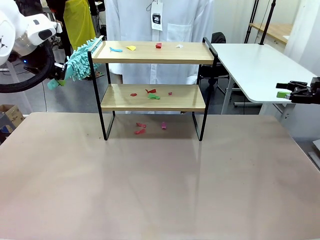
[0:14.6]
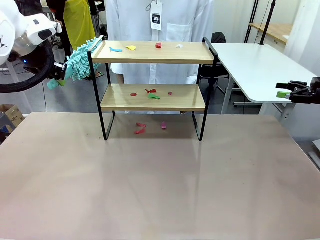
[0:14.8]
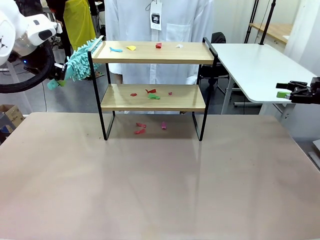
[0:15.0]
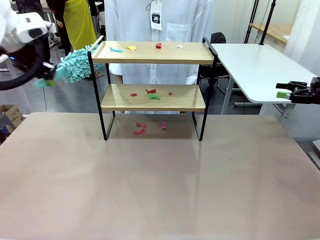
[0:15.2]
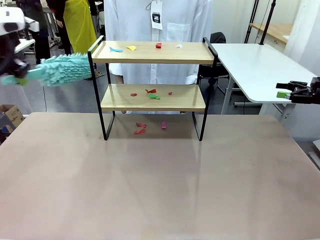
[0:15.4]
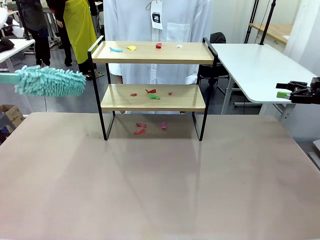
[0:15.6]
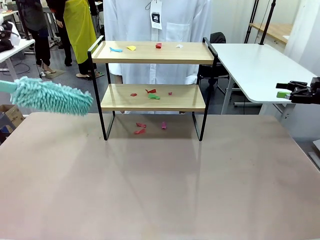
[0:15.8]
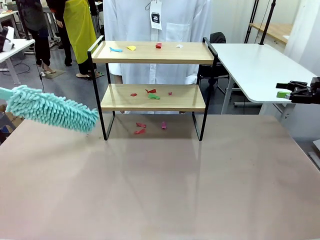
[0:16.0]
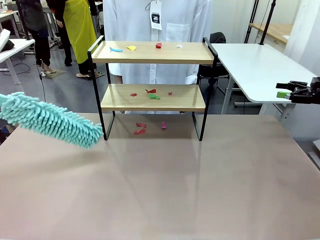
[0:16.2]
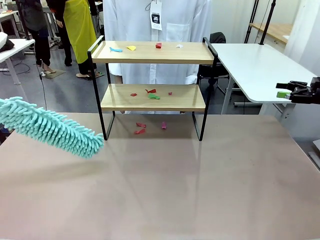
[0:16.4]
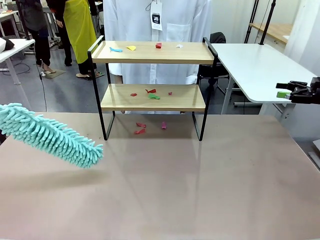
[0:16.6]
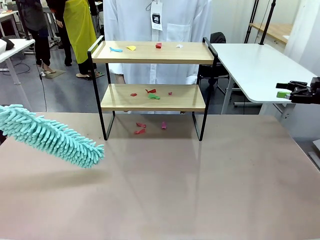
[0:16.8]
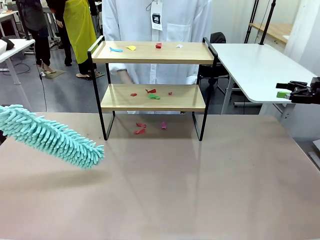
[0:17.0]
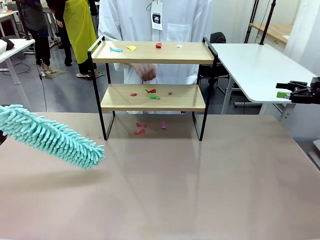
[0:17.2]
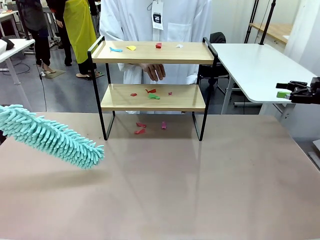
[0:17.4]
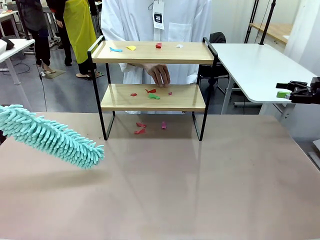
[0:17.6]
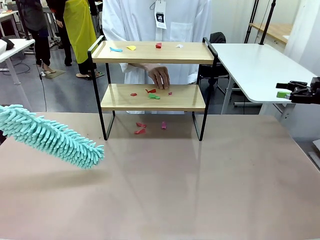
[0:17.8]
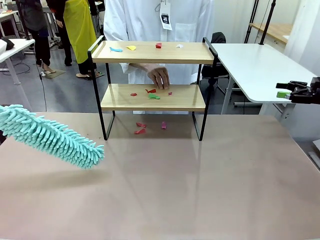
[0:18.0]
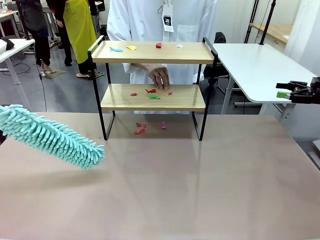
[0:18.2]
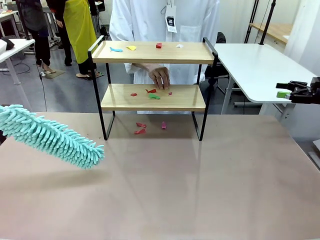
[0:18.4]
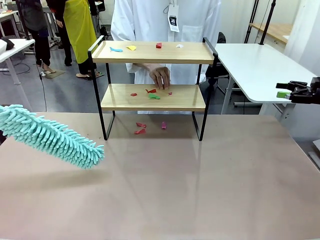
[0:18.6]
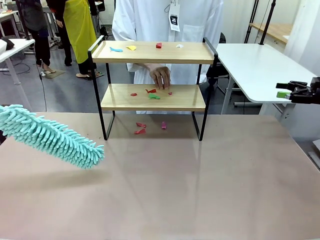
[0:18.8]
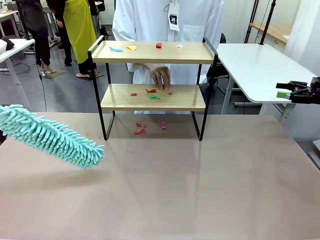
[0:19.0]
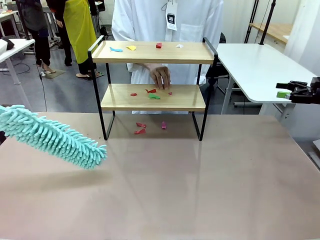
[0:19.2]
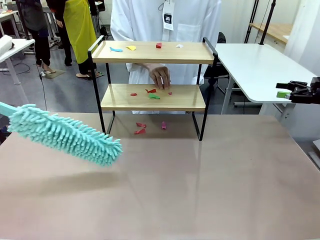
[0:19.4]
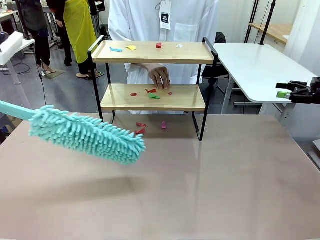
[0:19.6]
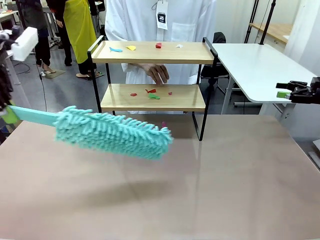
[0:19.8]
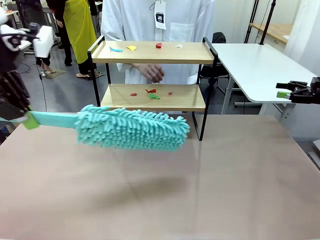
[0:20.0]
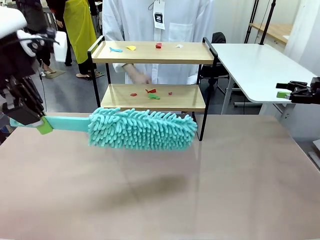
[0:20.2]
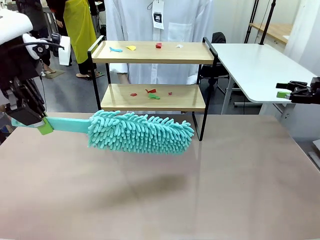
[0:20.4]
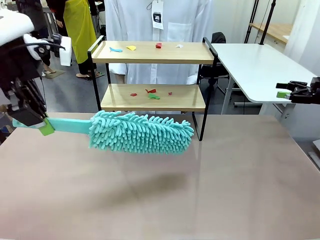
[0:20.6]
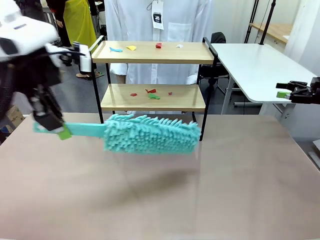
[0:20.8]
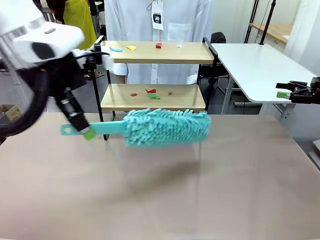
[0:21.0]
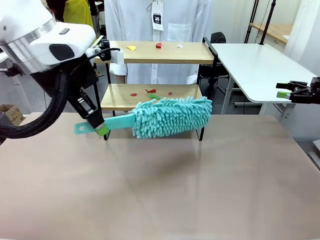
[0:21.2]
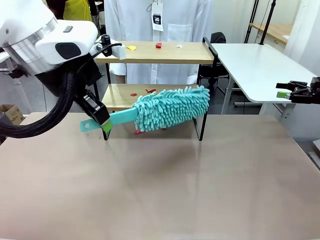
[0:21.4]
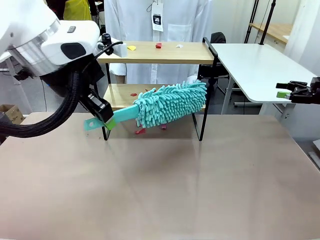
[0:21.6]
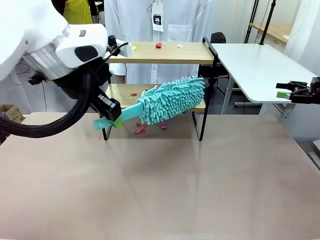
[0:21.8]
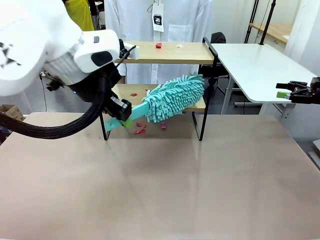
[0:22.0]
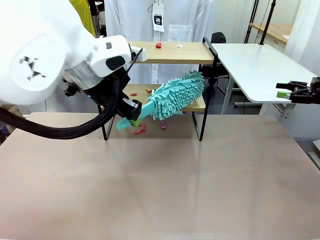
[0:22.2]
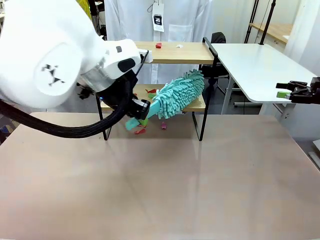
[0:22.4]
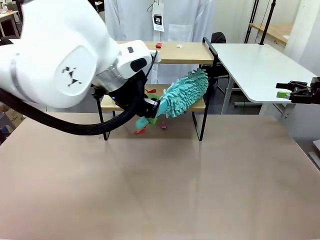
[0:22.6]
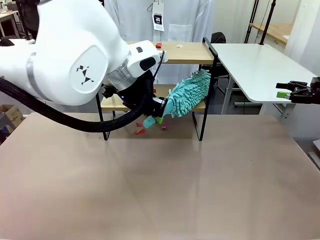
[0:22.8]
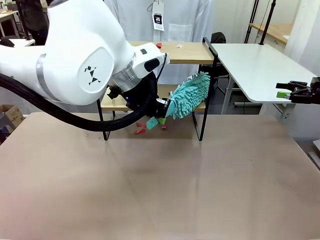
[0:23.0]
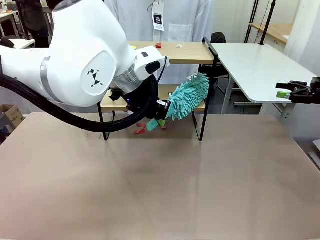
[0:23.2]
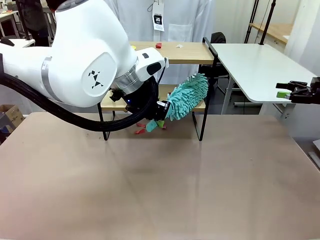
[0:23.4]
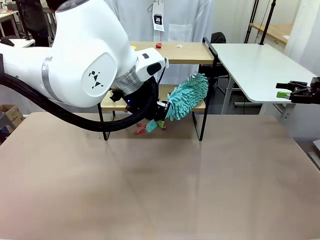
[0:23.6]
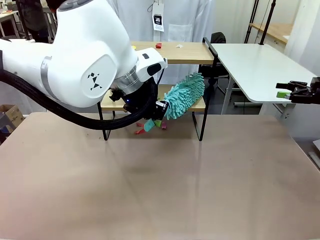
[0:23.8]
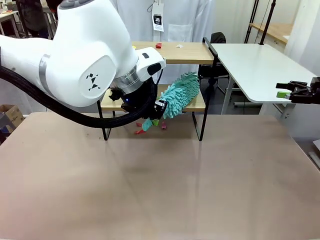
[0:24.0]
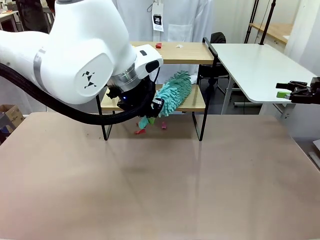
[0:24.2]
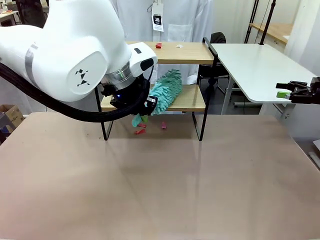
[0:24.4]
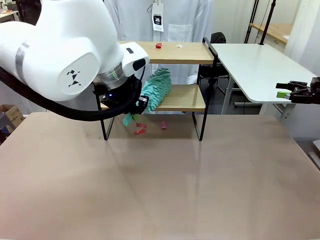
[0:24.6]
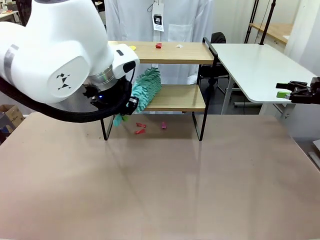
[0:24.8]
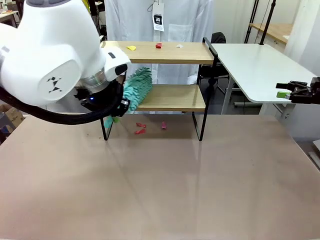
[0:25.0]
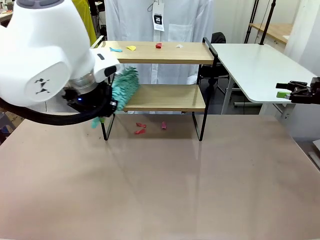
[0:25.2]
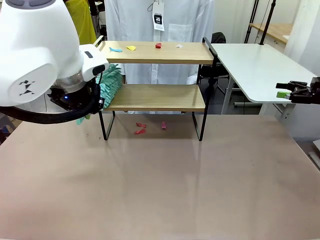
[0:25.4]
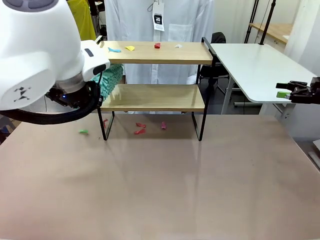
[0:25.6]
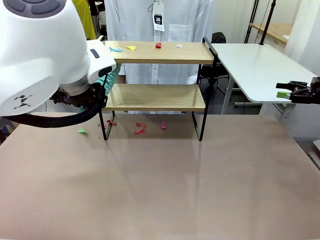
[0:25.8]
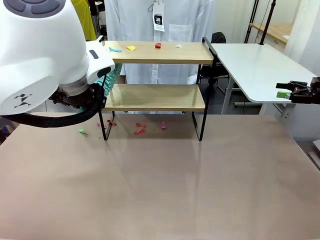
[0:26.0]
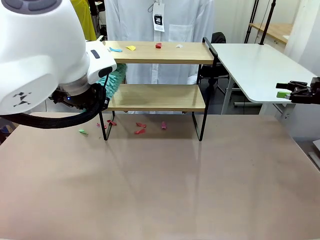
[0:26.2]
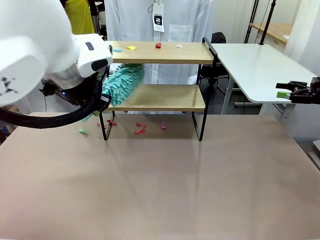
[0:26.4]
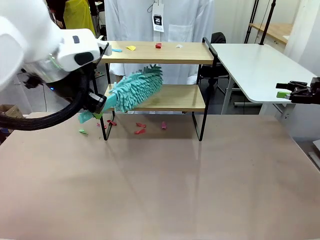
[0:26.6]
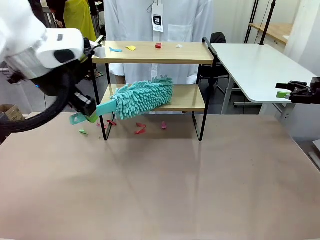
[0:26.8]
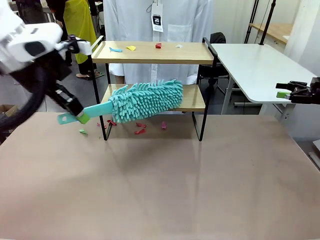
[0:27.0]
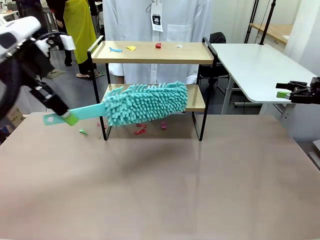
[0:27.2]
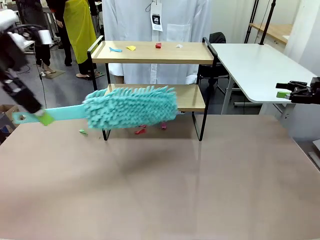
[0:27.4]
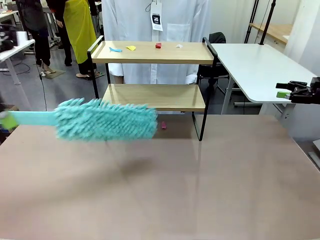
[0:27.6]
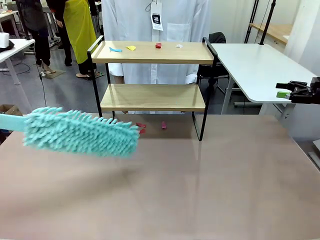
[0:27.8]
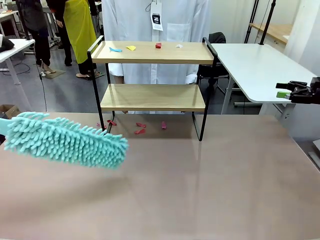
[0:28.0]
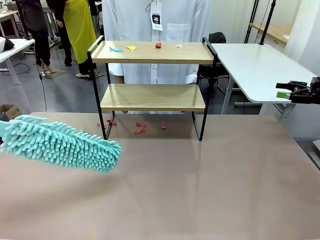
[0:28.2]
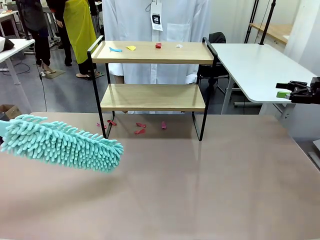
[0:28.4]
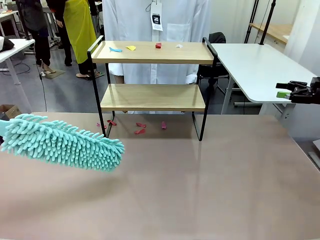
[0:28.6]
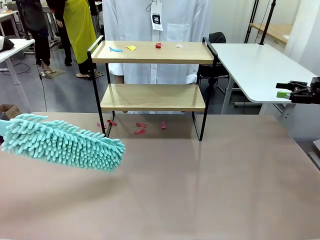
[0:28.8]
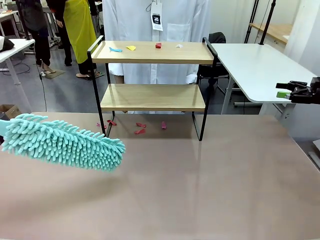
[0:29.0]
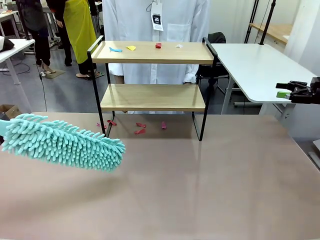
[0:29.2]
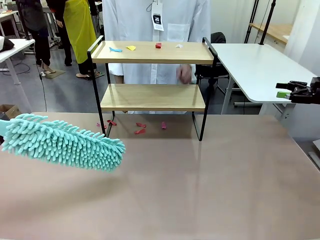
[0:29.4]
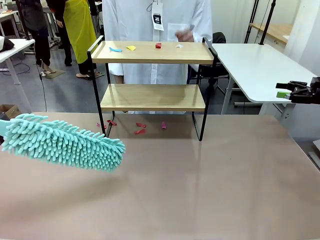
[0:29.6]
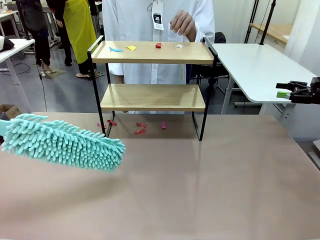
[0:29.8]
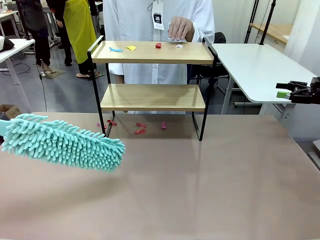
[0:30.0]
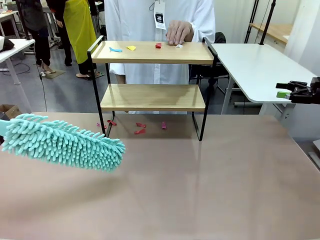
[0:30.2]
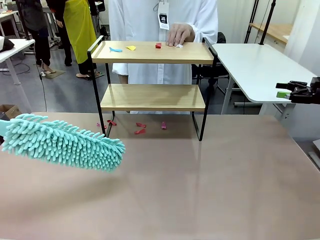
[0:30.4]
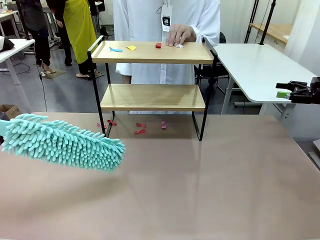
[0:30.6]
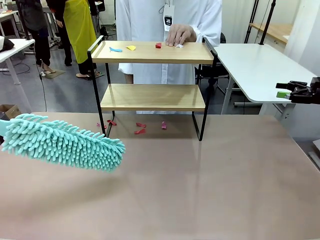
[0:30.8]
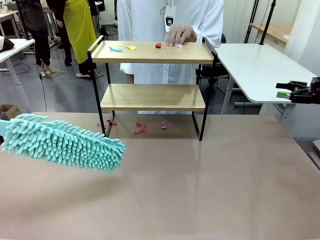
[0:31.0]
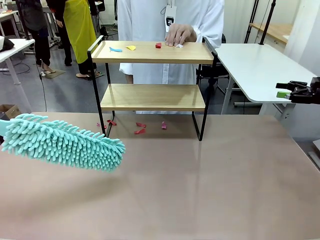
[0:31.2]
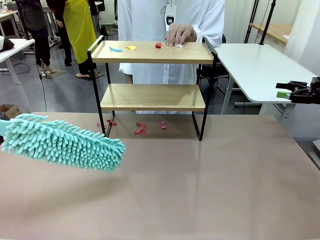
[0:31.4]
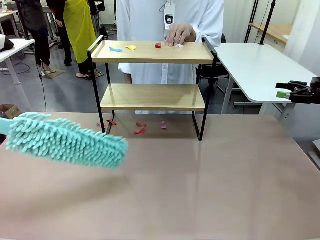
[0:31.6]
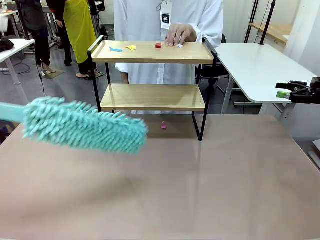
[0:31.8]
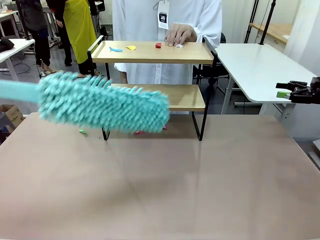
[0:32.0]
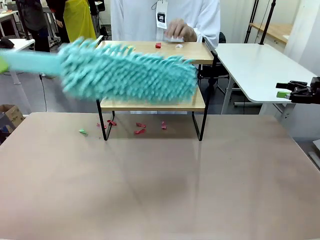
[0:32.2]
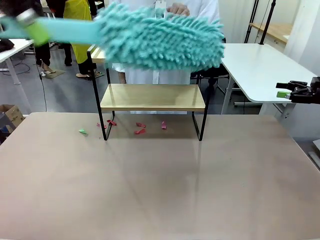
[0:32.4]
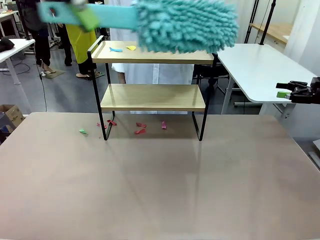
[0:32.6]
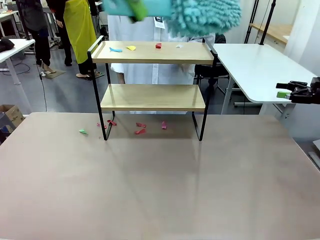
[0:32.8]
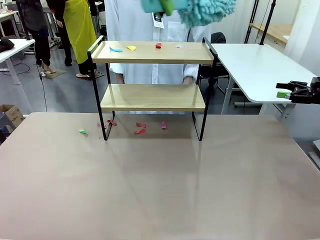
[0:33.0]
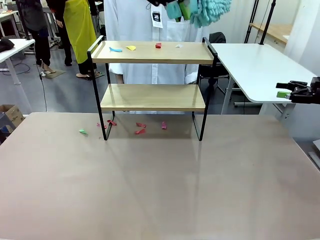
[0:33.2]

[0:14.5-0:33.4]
Task: Clean the shelf.
Robot: Clean the specific section of the Shelf indicated by the human with the Duster.
Person: Point a random section of the Shelf.
